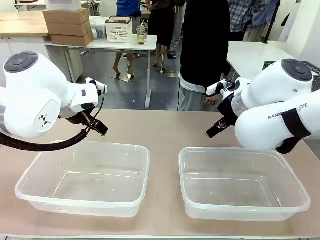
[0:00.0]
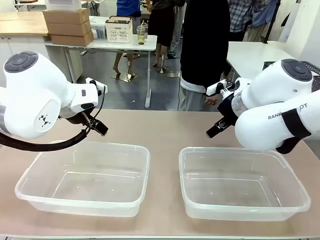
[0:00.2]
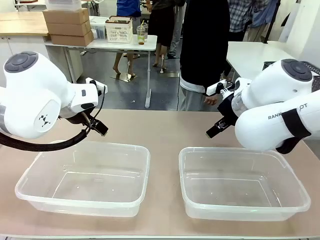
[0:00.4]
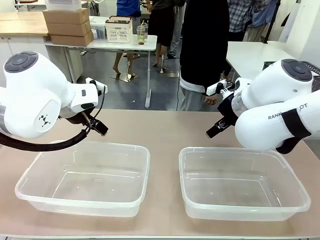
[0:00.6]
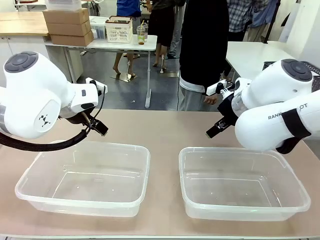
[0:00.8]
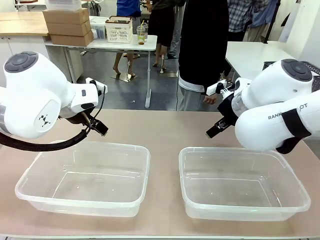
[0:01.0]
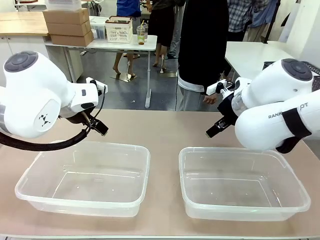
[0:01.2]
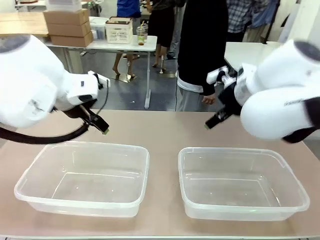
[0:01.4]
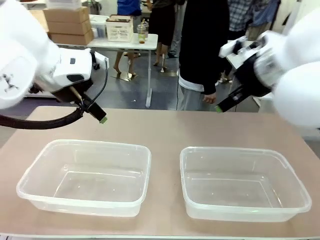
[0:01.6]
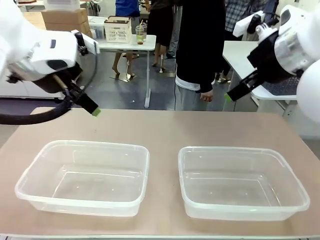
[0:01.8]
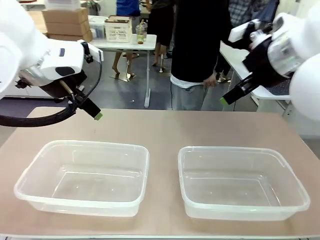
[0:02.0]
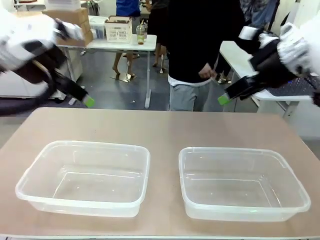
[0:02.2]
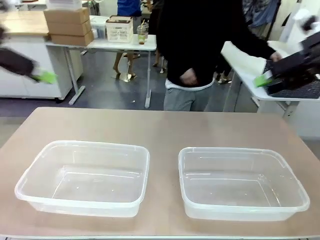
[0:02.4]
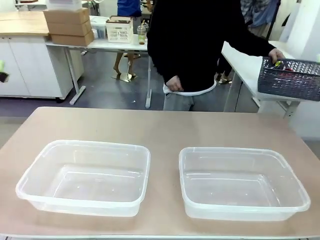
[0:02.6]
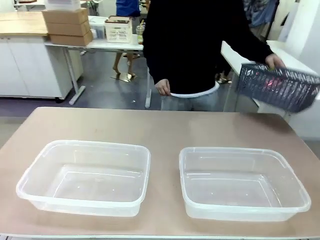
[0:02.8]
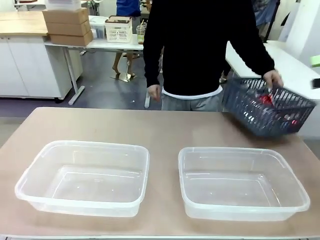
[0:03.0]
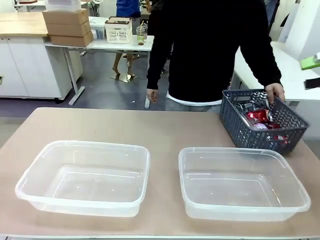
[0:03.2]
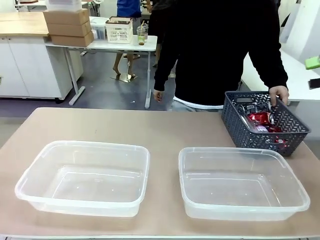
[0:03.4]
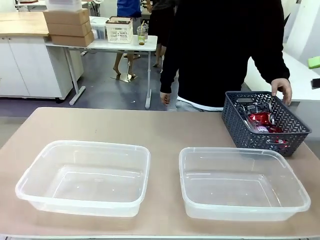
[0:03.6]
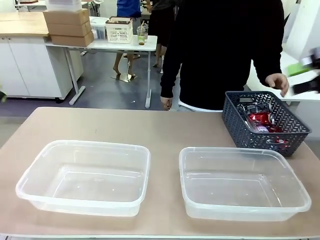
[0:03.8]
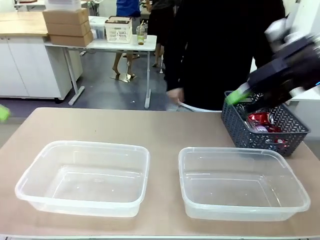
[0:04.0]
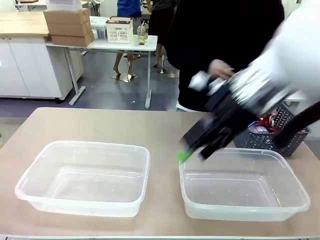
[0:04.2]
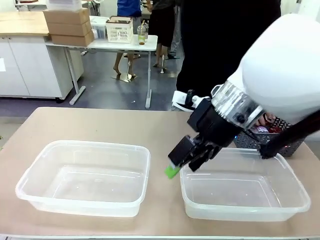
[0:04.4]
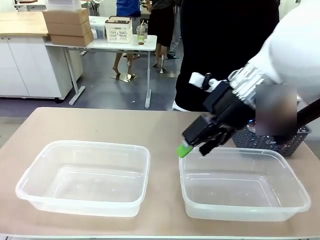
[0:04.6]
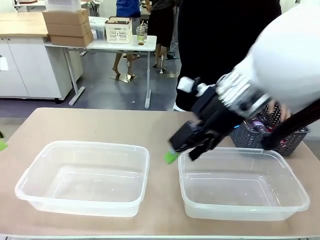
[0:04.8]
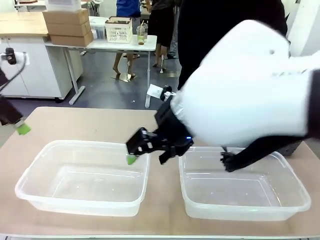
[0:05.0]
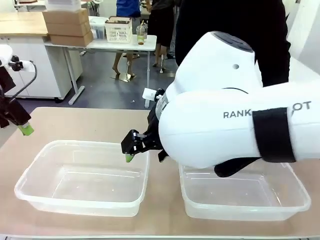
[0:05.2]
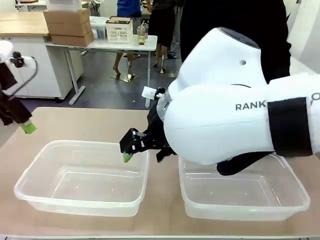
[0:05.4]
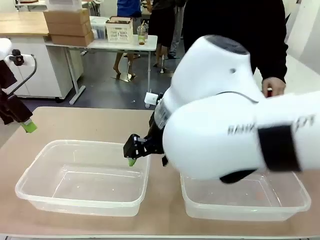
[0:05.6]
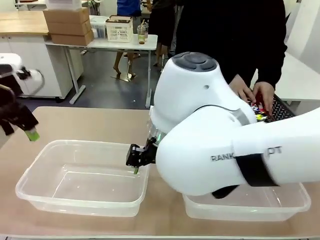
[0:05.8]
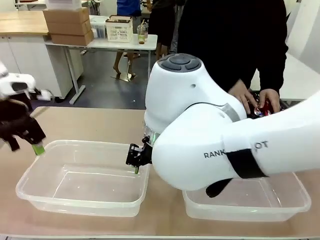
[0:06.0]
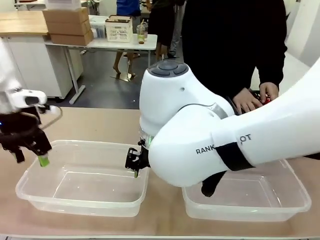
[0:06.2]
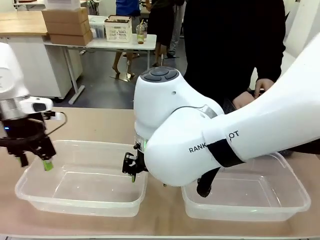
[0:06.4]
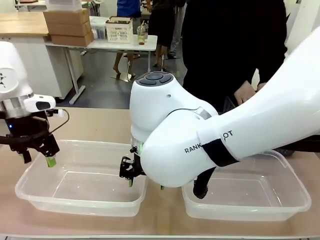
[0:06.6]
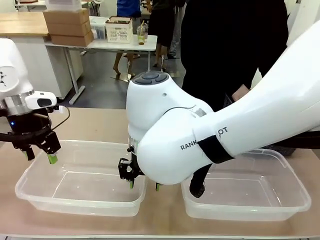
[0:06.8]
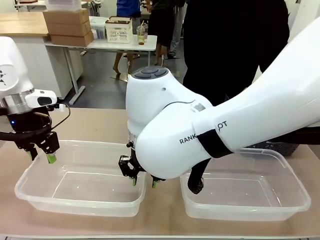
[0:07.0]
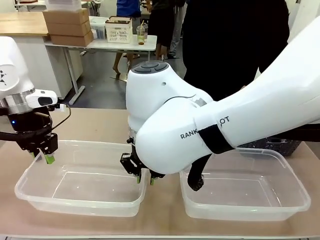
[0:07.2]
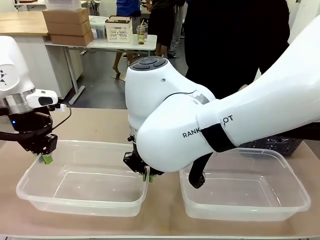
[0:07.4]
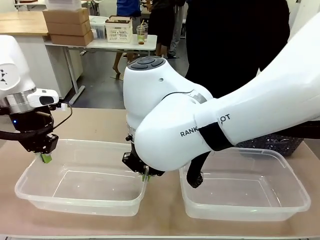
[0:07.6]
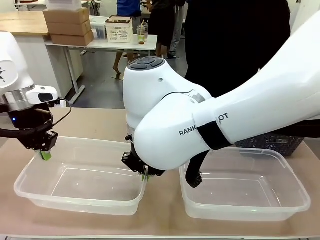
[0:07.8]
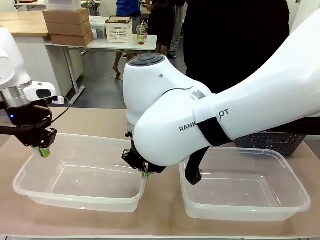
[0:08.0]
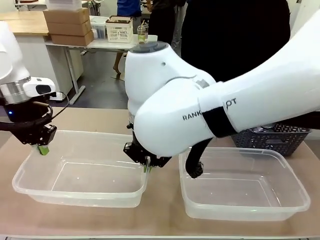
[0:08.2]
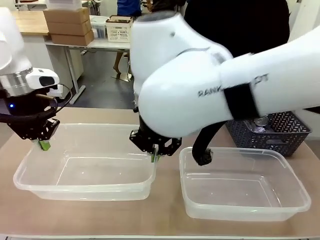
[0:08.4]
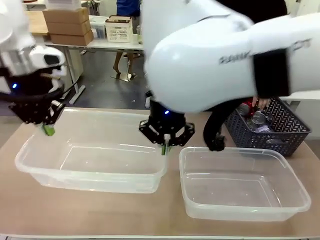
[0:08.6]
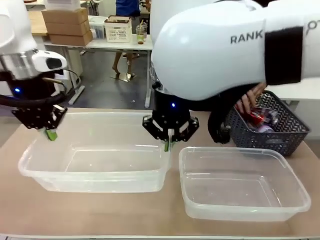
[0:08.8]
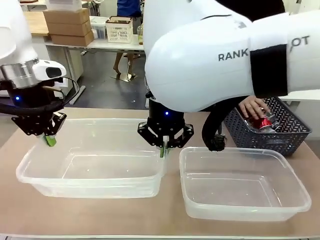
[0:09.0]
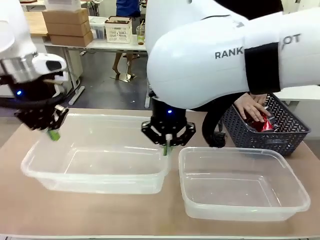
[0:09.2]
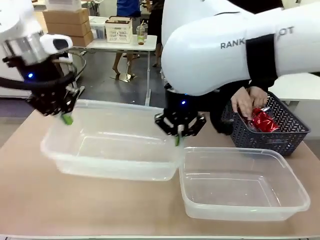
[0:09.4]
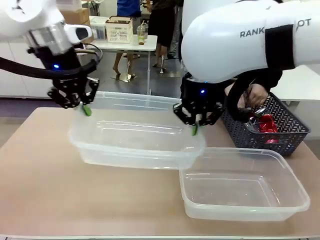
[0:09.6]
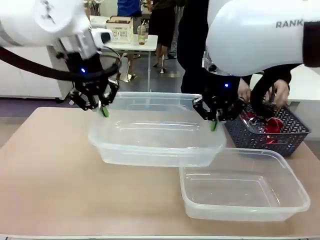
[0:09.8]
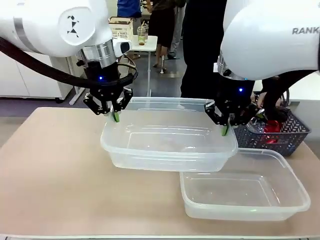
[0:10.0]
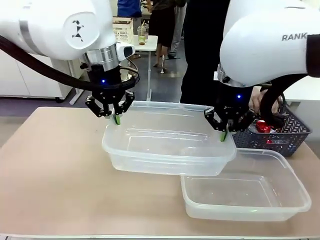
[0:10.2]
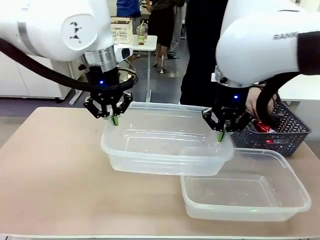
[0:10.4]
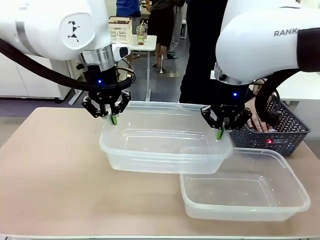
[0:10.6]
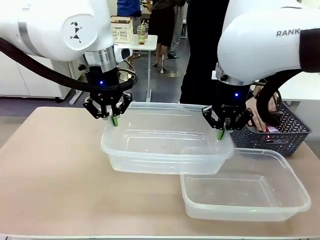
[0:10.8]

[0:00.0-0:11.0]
Robot: Pick up the Organizing box on the left side of the table and lift it.
Person: Pick up the storage basket and place it on the left side of the robot table. Pick up can-shaped waste one by one and place it into the organizing box lifted by the robot.

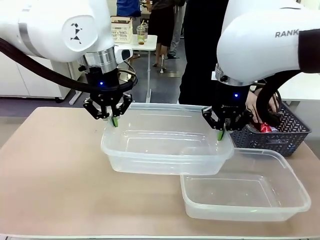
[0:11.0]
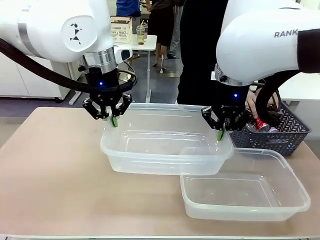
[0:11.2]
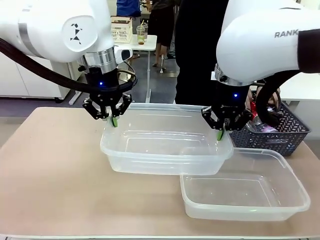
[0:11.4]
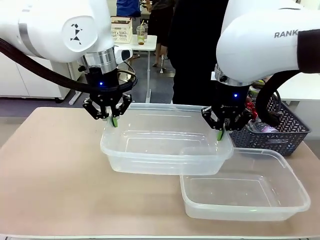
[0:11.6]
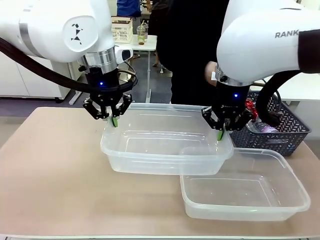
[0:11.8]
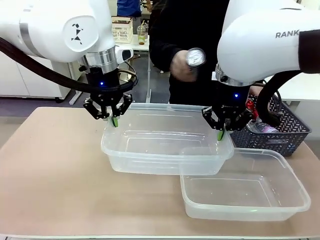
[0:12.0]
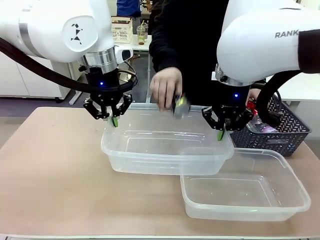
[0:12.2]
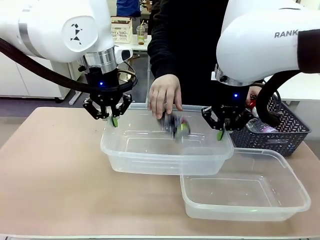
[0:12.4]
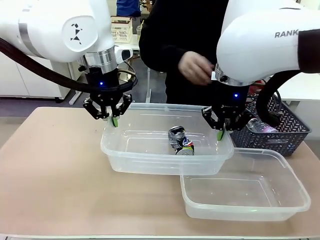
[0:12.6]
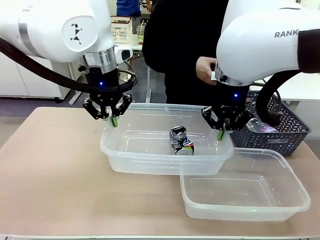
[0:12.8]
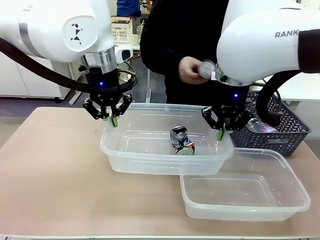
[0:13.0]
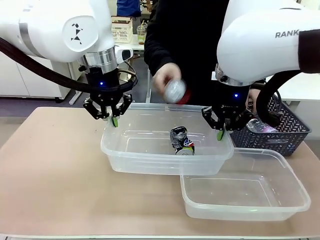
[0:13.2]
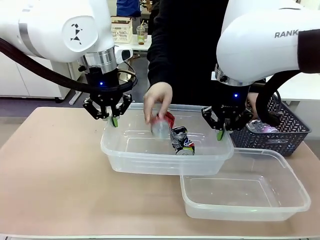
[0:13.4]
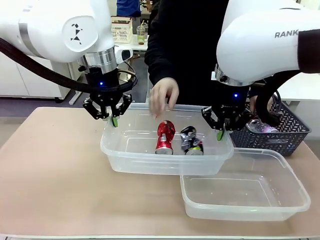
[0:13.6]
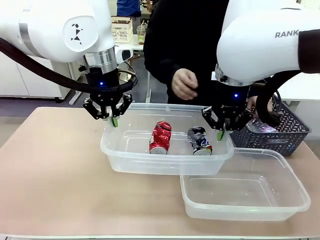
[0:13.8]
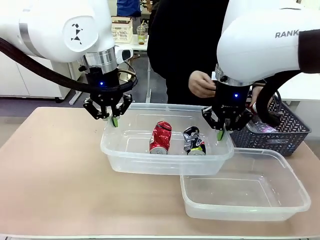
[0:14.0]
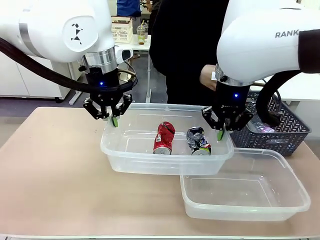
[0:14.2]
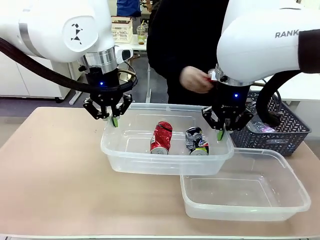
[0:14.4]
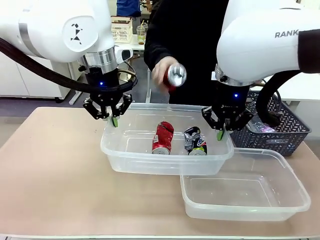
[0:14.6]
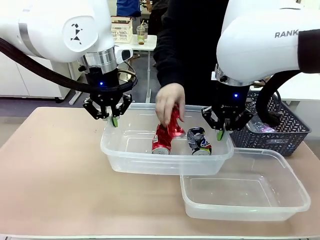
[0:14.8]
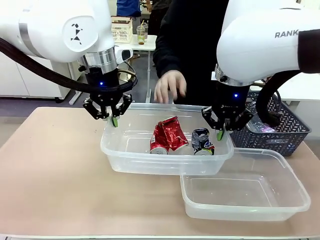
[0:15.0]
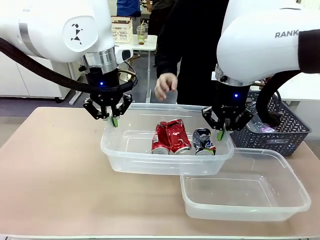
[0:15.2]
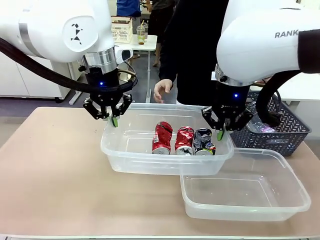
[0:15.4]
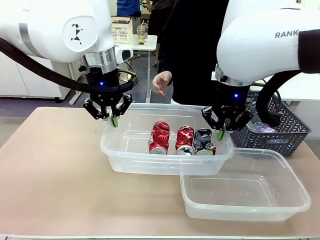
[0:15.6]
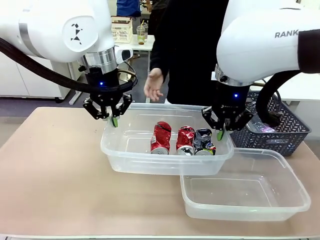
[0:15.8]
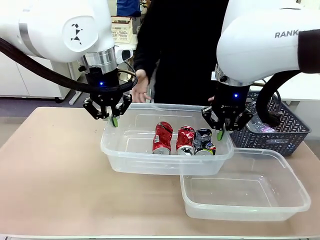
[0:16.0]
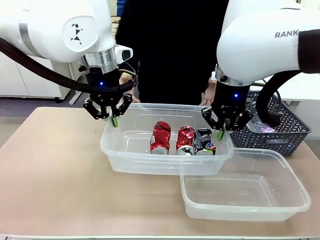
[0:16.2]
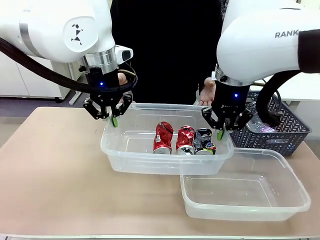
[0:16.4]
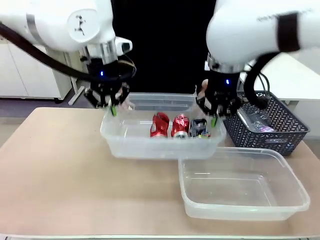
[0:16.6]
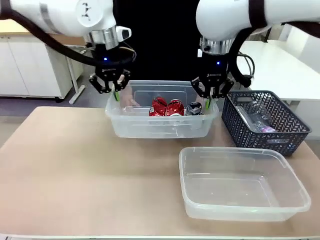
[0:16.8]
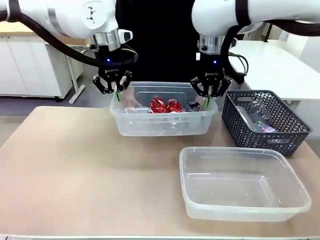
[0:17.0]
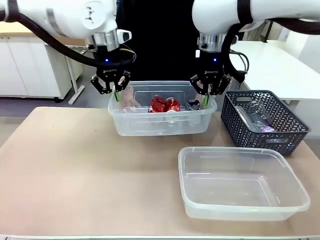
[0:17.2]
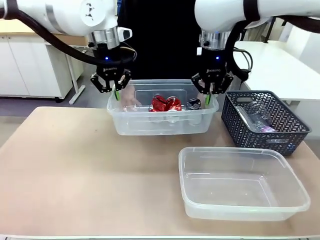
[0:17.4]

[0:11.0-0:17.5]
Robot: Offer the picked Organizing box to the human.

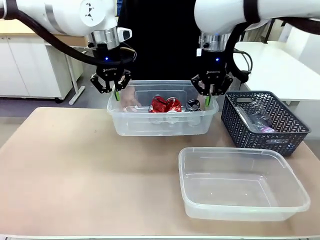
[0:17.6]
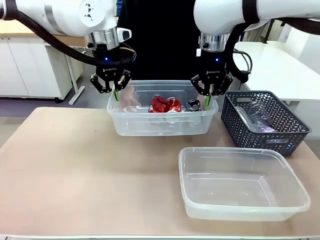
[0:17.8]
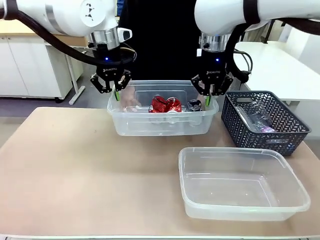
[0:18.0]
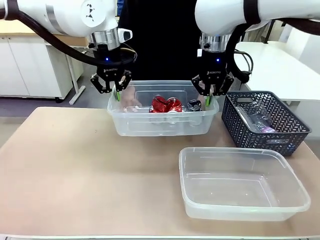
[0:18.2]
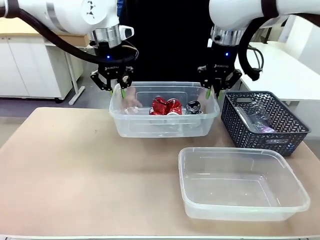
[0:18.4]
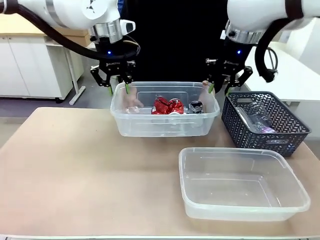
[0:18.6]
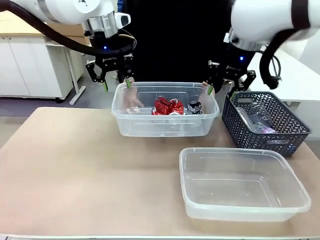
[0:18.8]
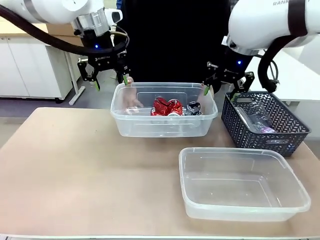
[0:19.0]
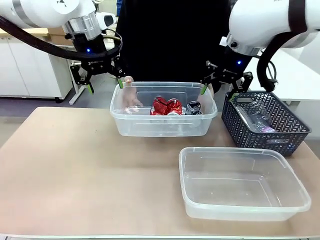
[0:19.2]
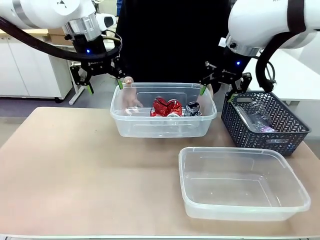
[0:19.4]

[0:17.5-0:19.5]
Robot: Release the Organizing box you were holding.
